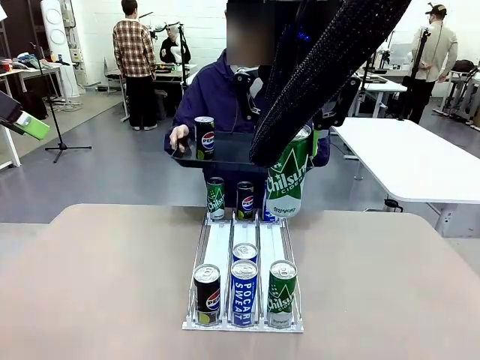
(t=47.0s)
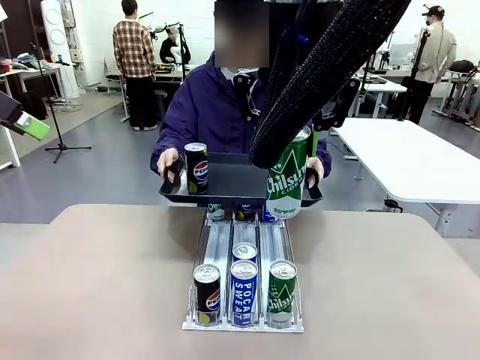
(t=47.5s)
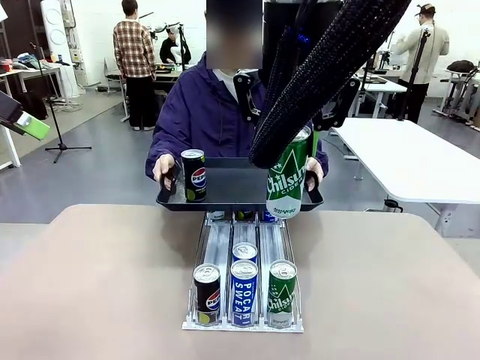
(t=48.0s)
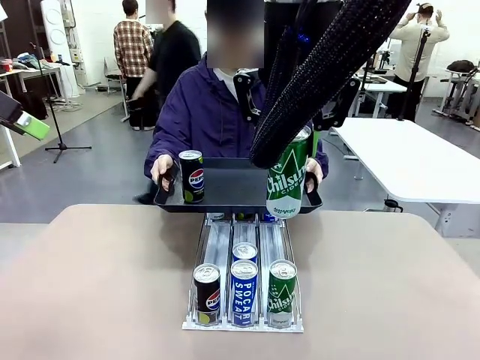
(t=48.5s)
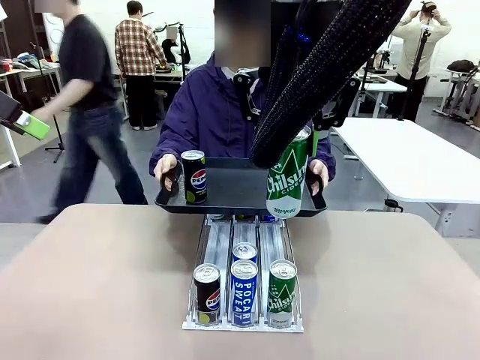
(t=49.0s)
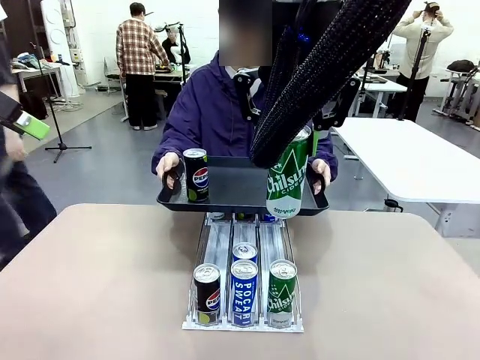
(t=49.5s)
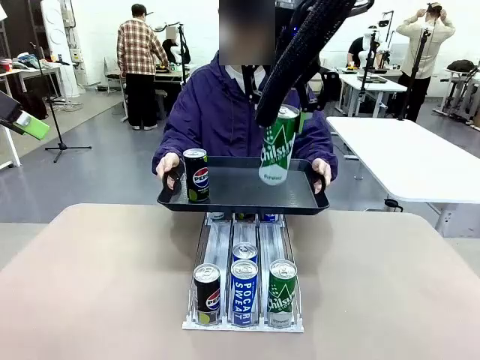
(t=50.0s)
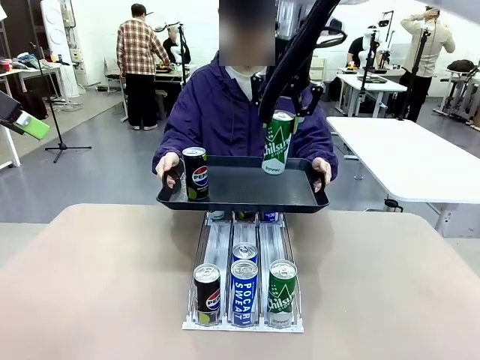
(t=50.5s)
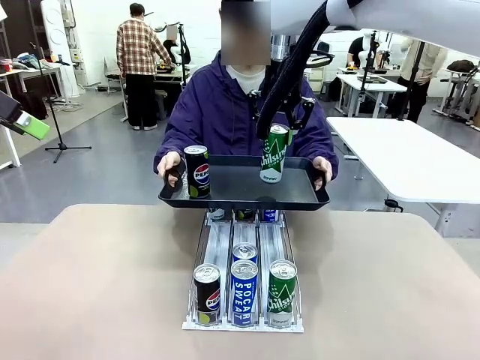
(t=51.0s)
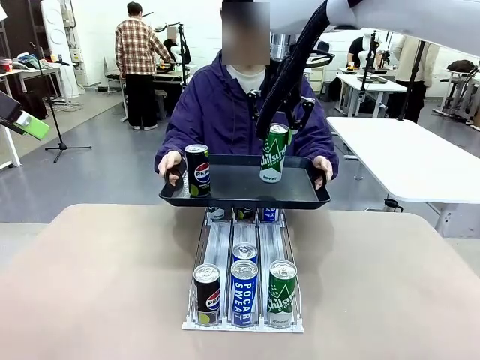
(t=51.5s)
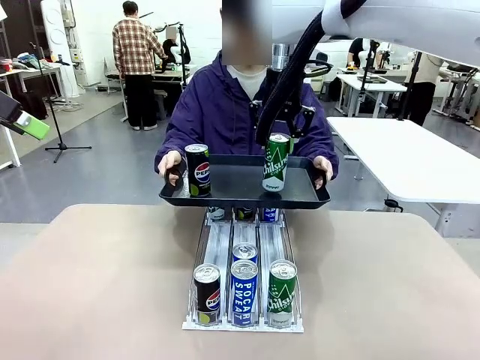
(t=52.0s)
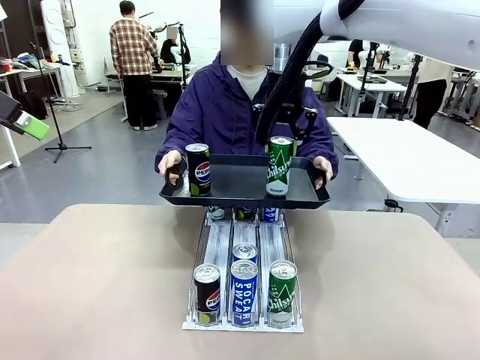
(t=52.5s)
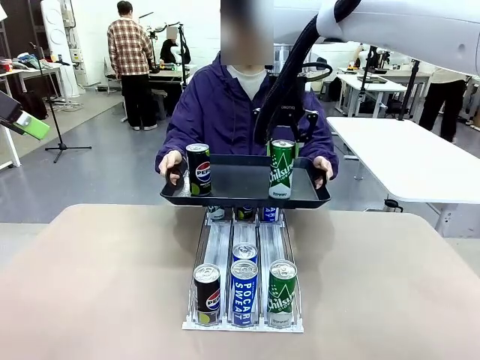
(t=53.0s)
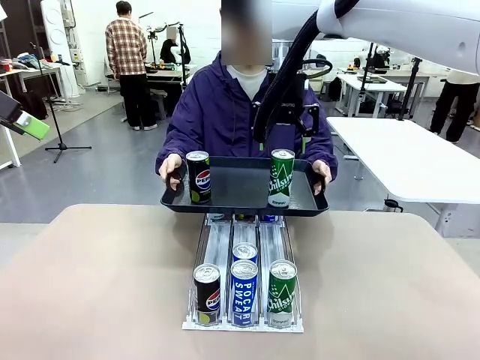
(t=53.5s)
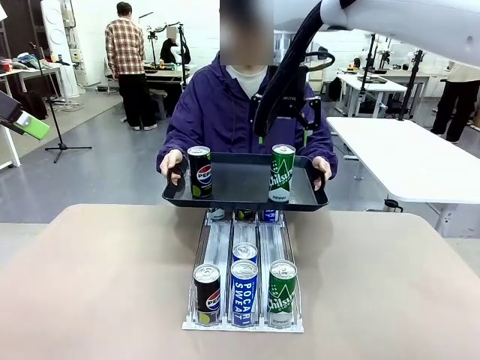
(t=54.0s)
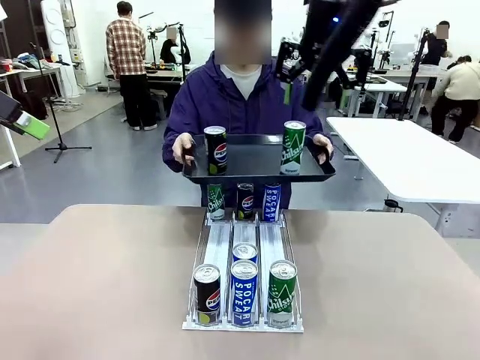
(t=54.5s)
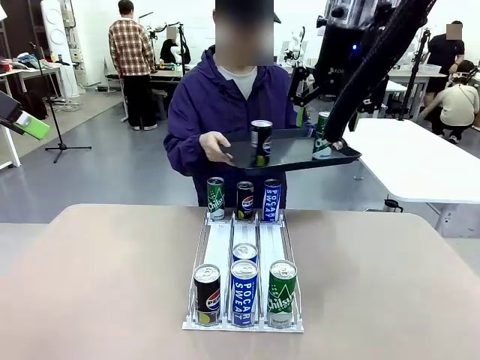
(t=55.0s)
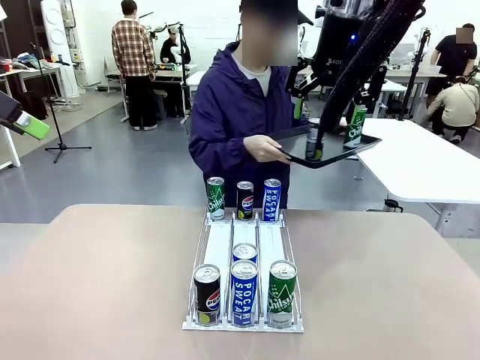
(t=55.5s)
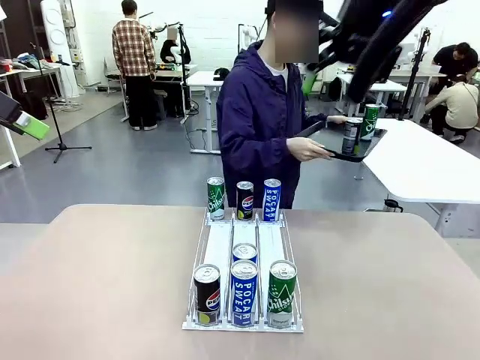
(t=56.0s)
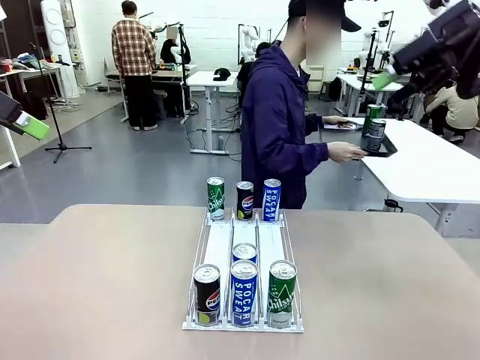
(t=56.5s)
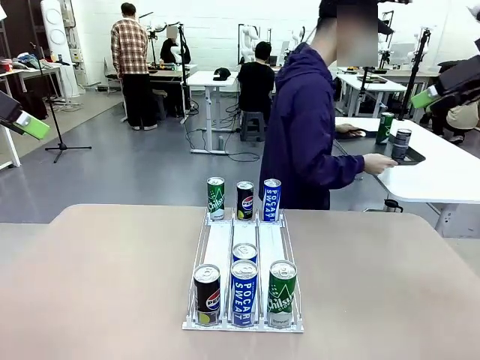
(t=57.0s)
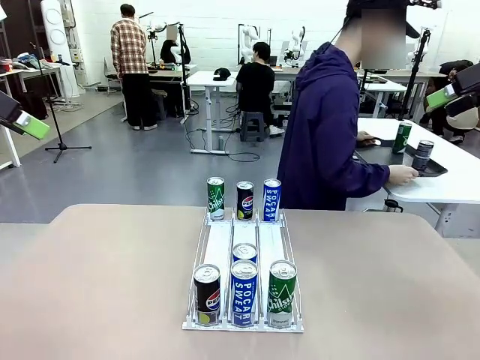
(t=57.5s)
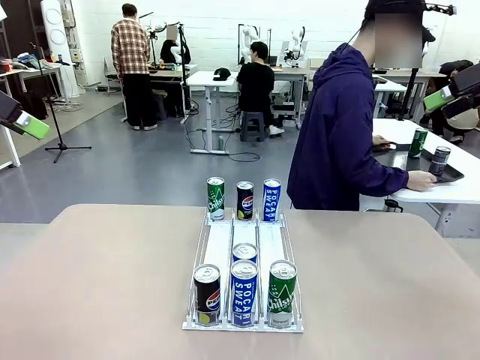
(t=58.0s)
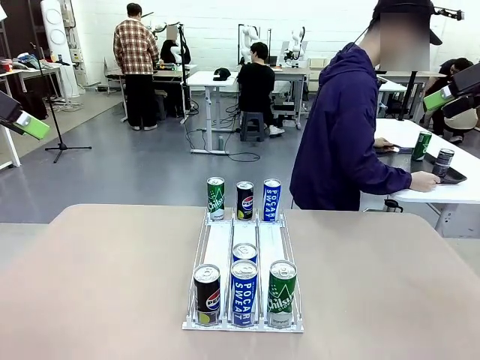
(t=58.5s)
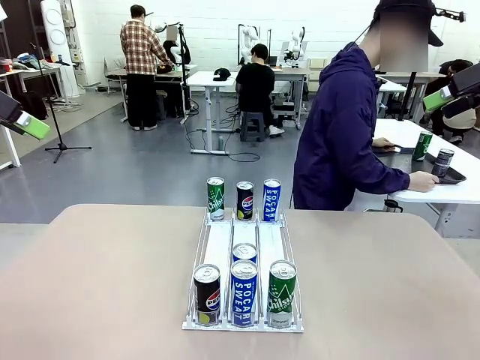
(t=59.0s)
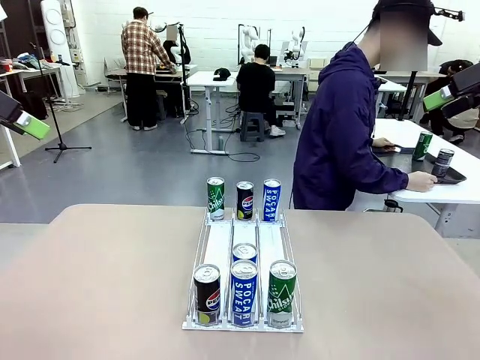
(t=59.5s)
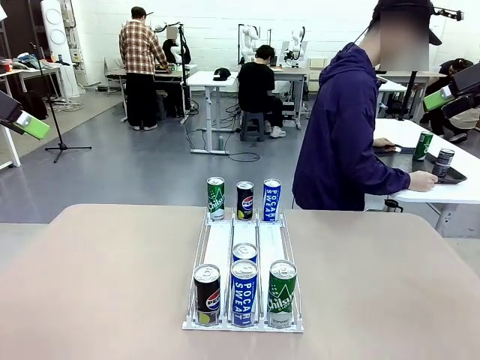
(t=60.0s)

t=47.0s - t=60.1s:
Task: Retrieve and hand over the desired beverage to the person.
Robot: Place the picked can on the Handle tray extended by the person.
Person: Pull the tray back and place it at the center of the human table.

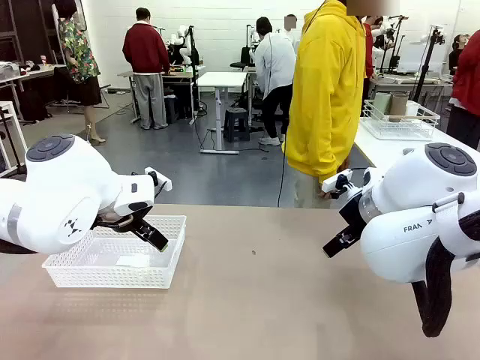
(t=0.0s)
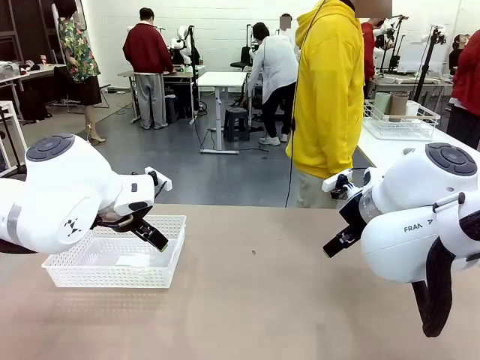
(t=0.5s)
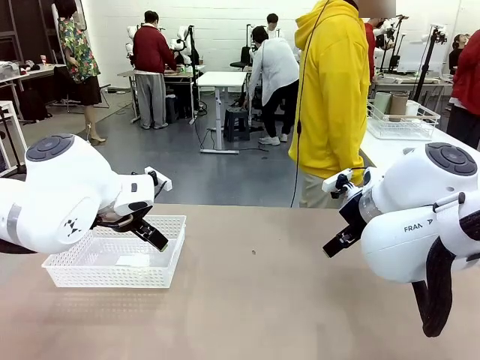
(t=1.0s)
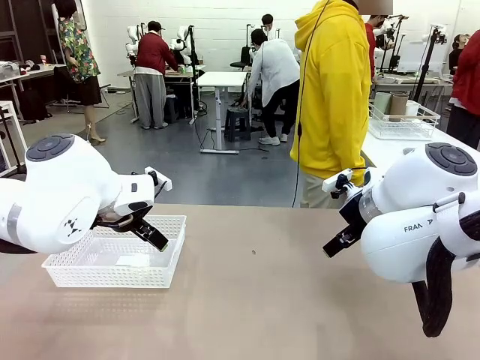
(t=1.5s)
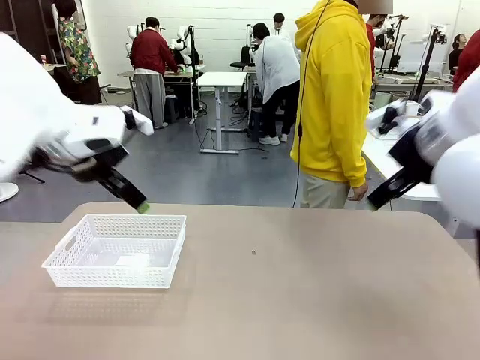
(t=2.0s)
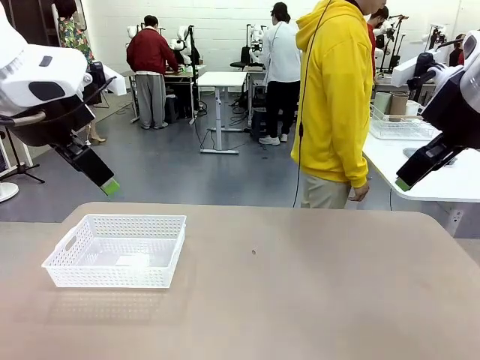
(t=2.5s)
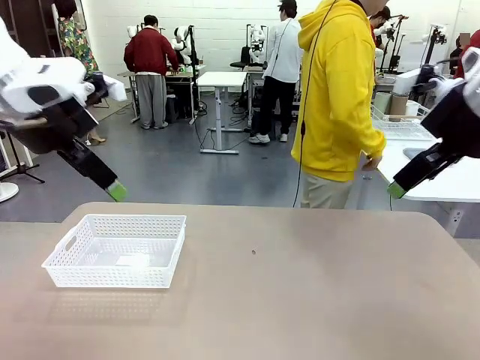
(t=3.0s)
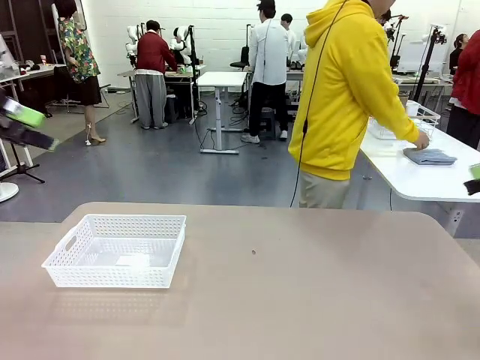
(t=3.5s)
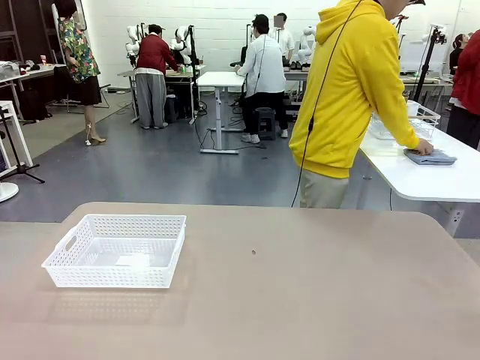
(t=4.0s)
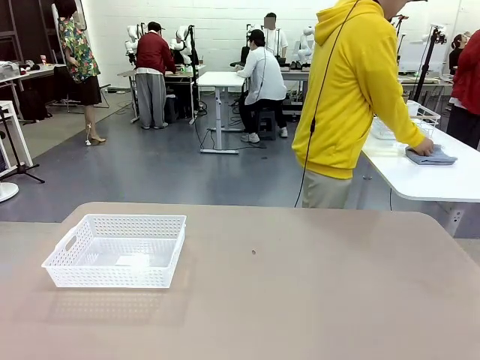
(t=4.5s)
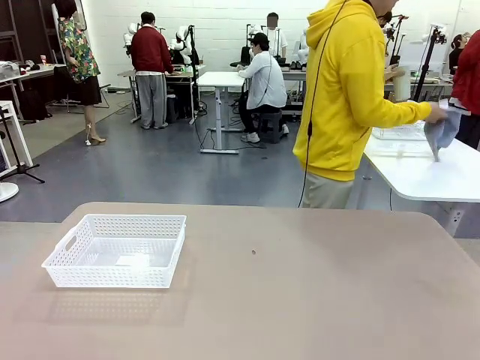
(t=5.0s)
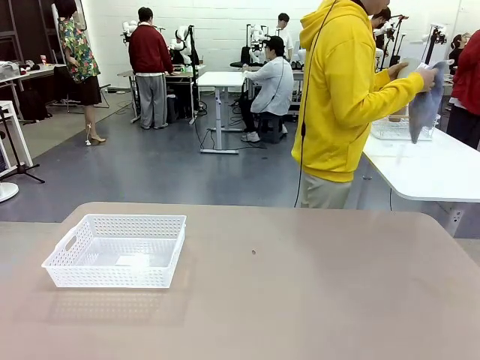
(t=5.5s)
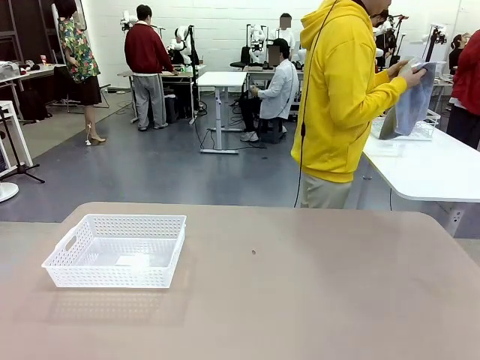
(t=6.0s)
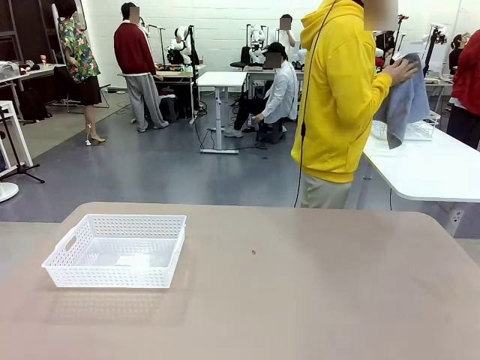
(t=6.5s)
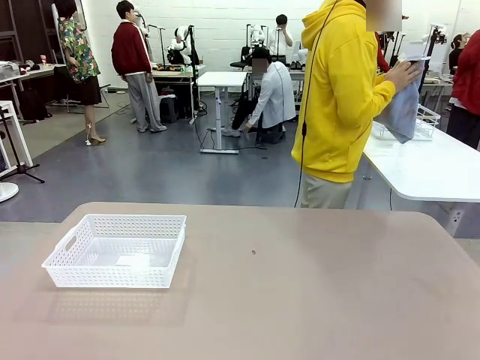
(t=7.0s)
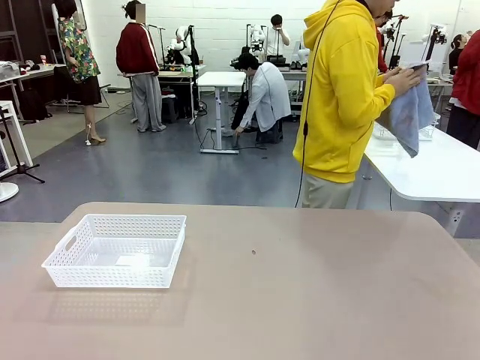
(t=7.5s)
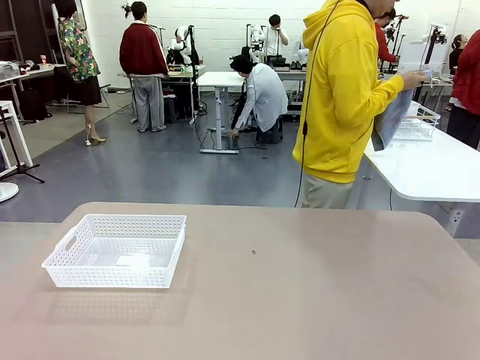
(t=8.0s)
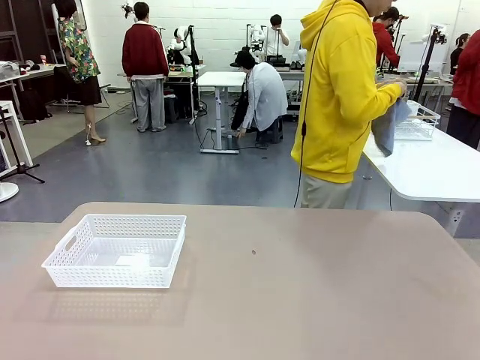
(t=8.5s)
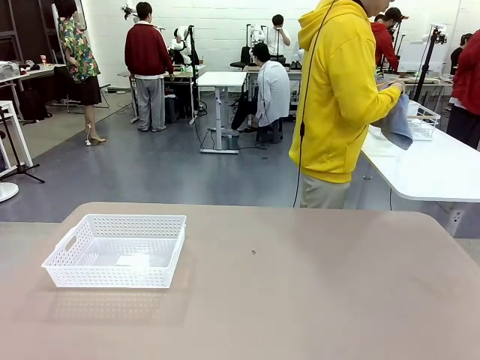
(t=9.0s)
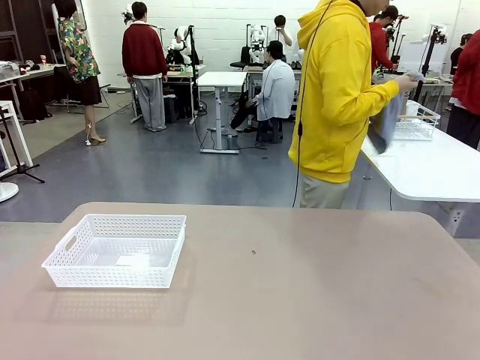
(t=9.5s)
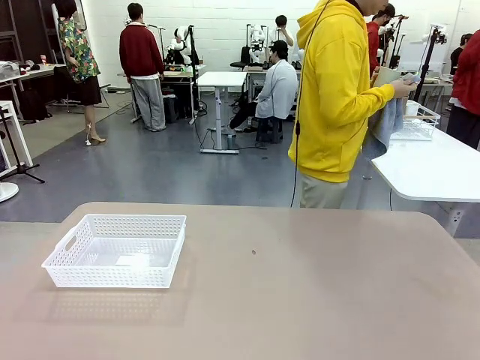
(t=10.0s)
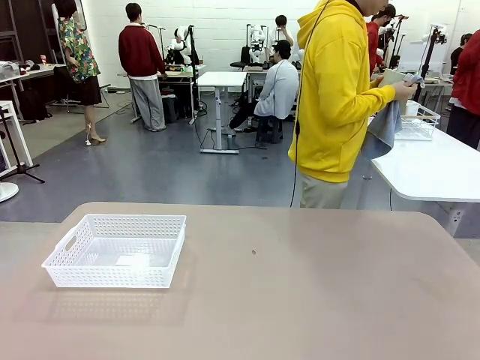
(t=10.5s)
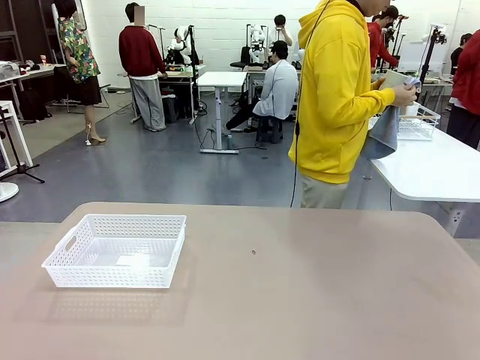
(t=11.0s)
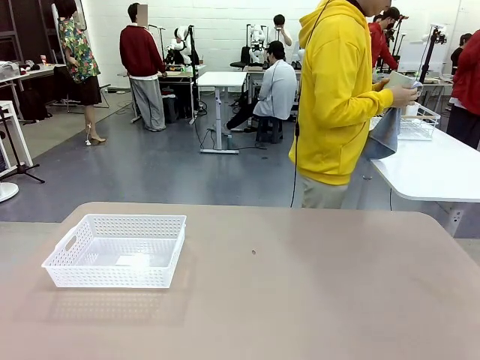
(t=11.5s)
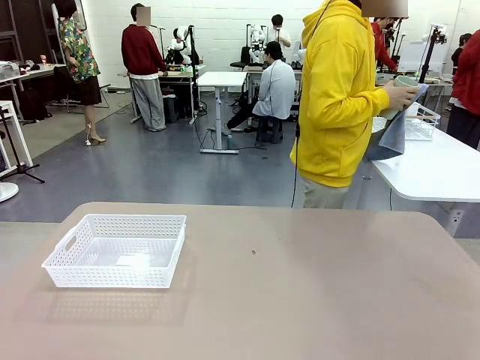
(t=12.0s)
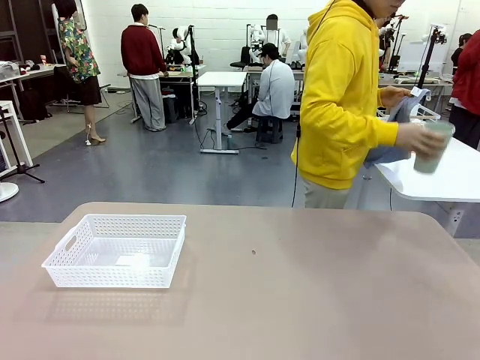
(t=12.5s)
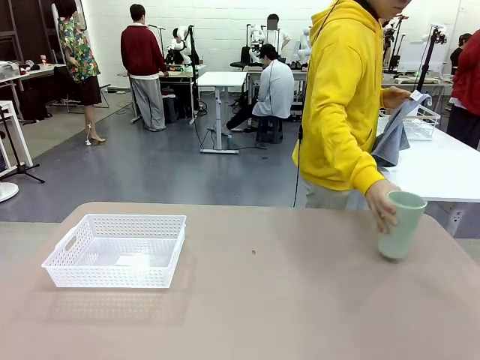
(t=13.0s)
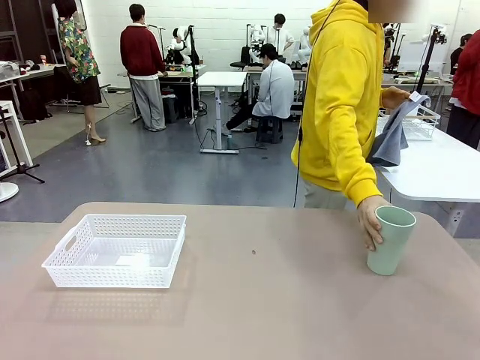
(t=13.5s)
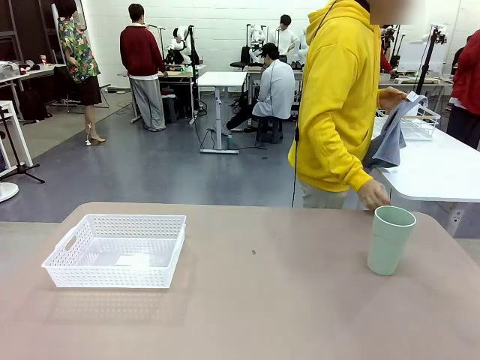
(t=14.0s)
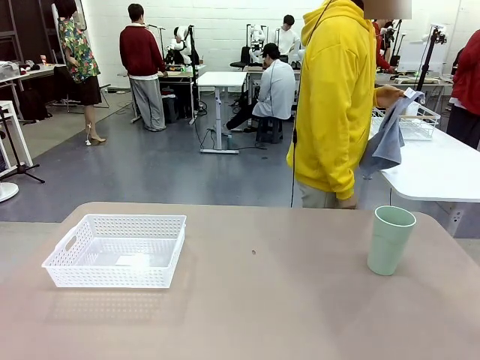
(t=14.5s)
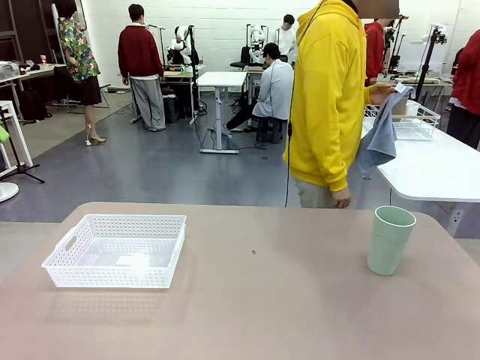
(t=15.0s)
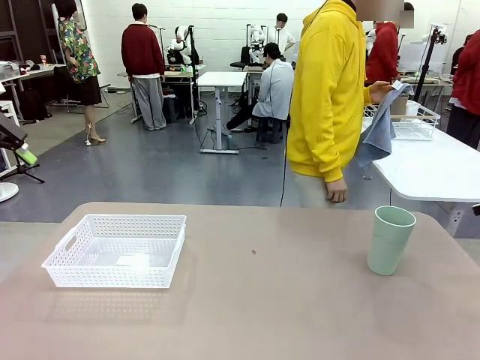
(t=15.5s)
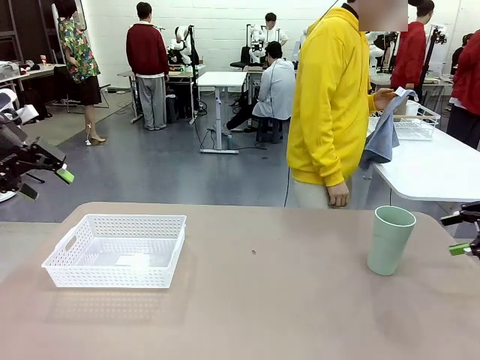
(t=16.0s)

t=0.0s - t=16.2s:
Task: Clean and organize the cups into the basket.
Robot: Pick up the Organizing basket and move it to the center of the table, then pick up the Reusable plastic cup from the right side of the table and place it inside the Organizing basket.
Person: Picks up a cup and a towel, cleans the cup with the towel, and places it on the left side of the robot table.
